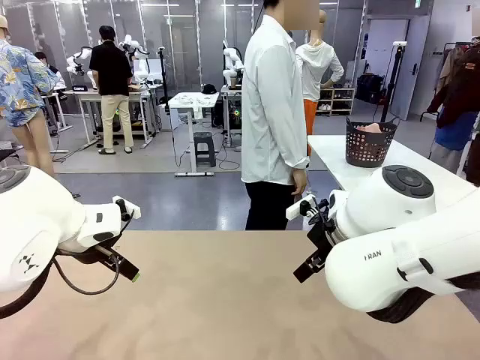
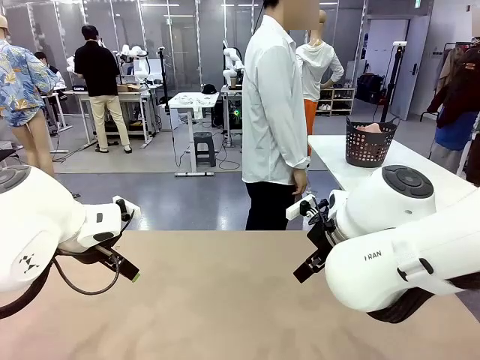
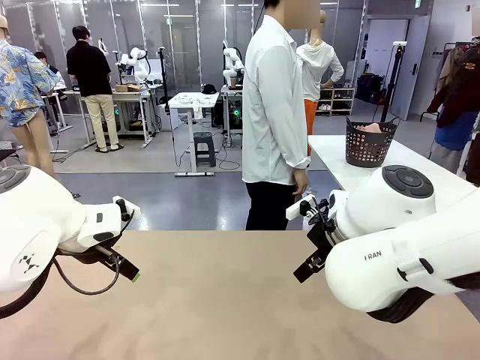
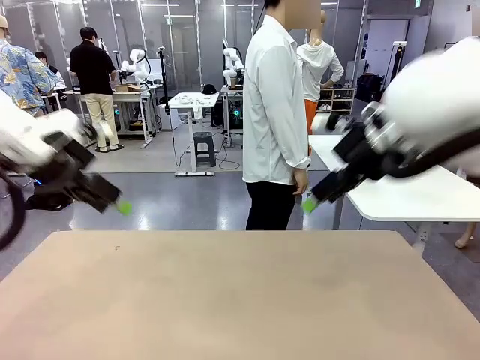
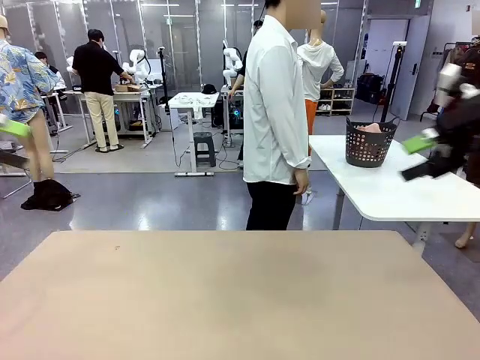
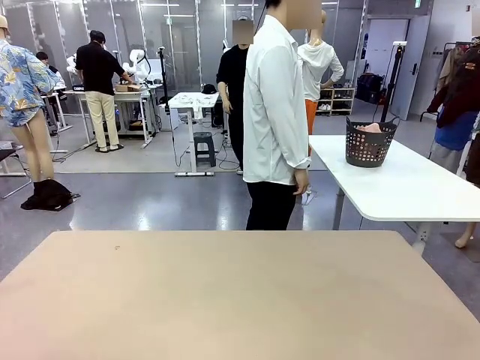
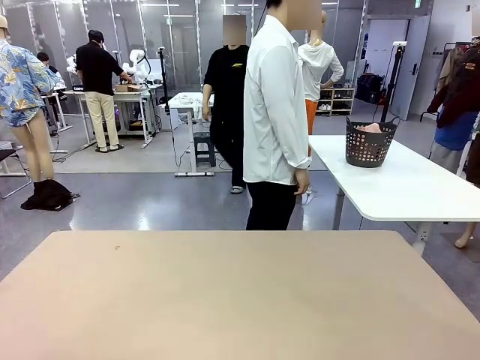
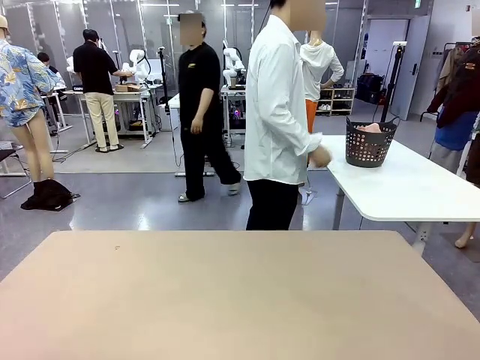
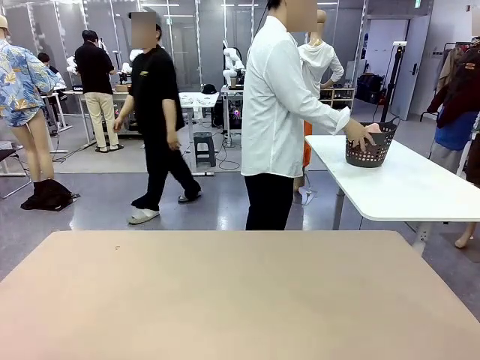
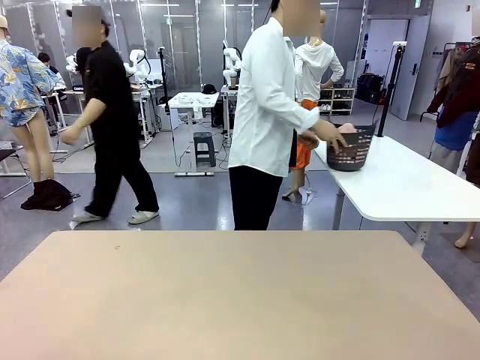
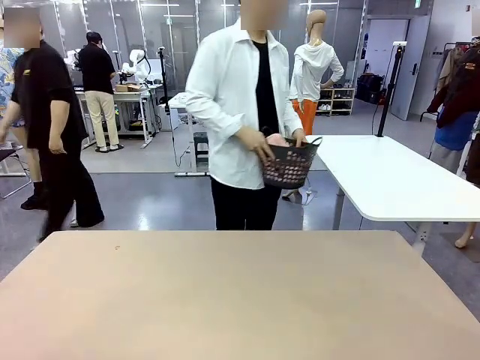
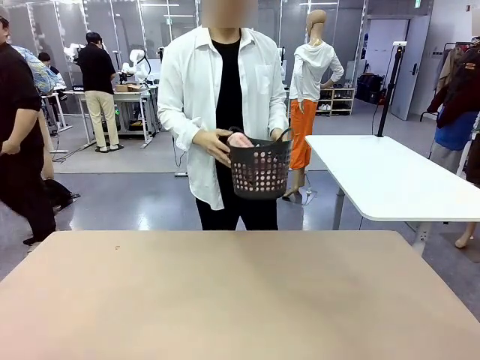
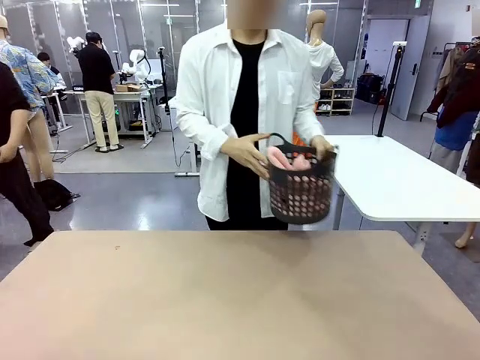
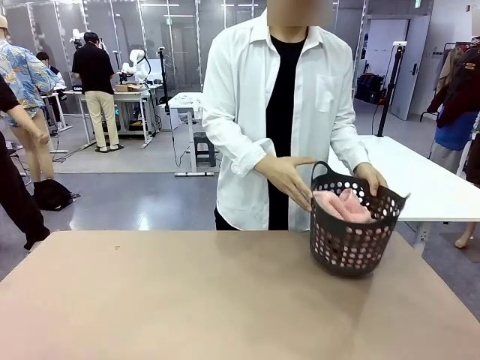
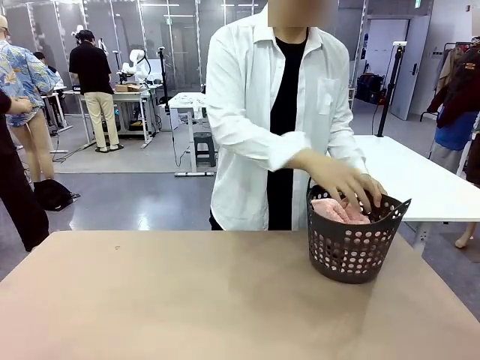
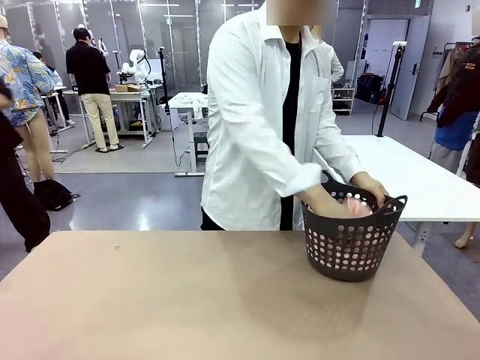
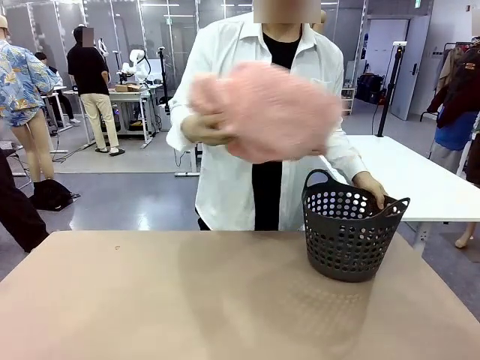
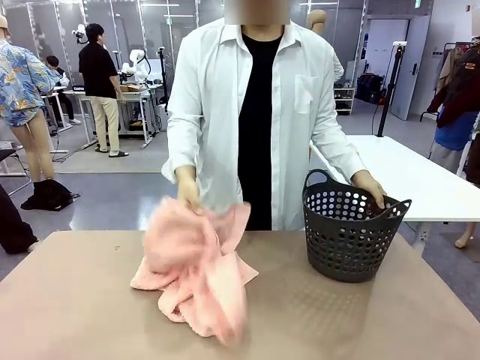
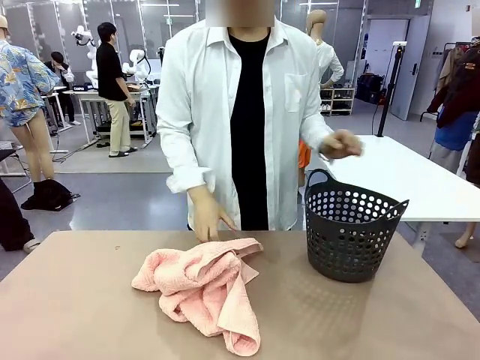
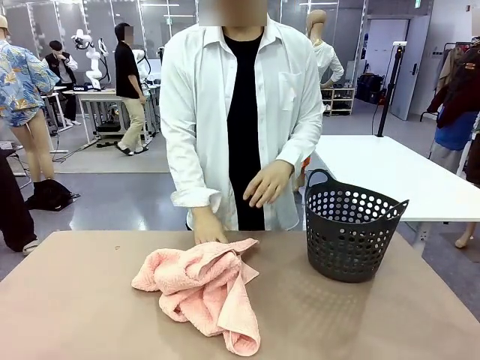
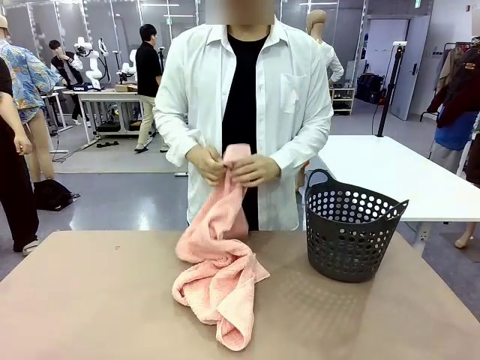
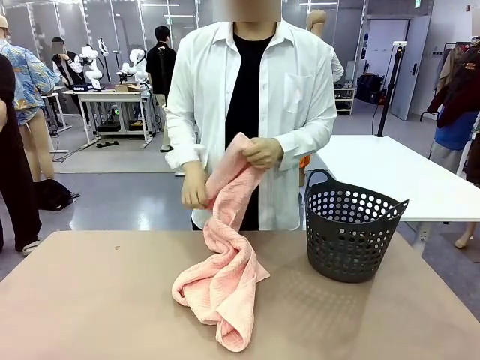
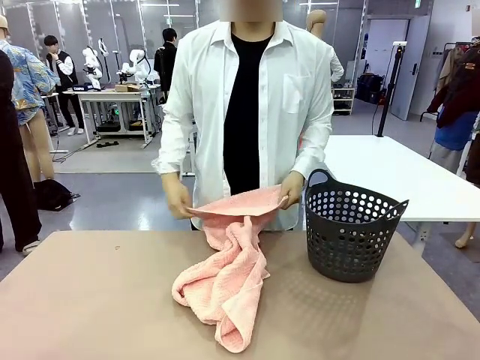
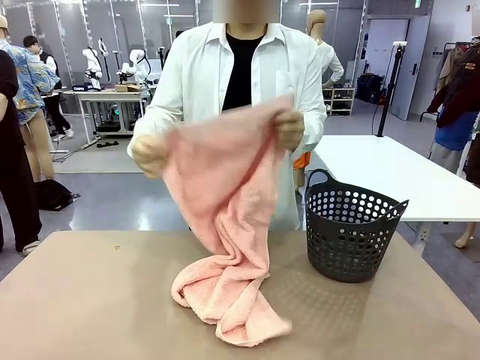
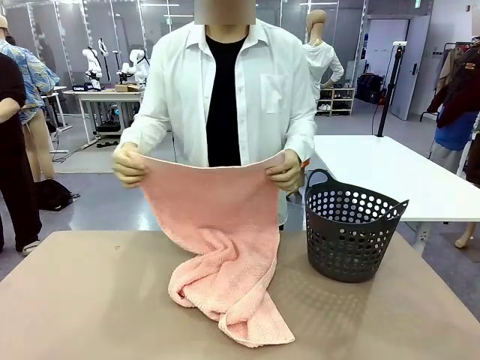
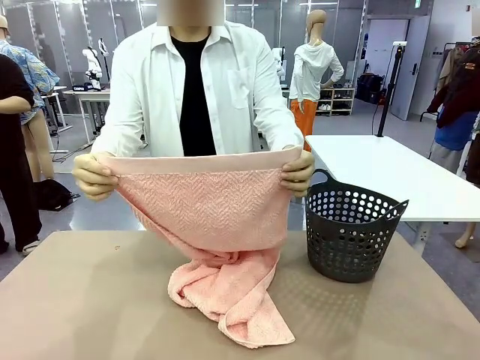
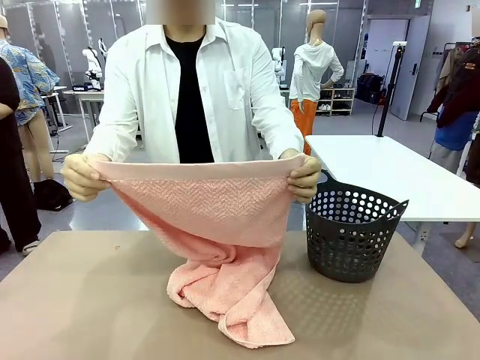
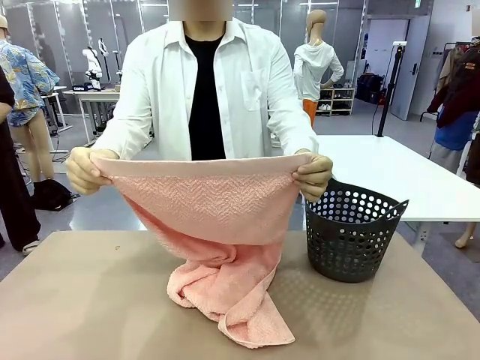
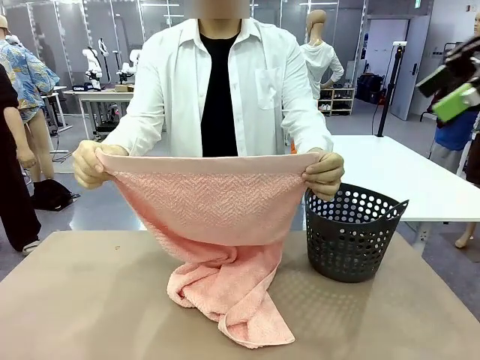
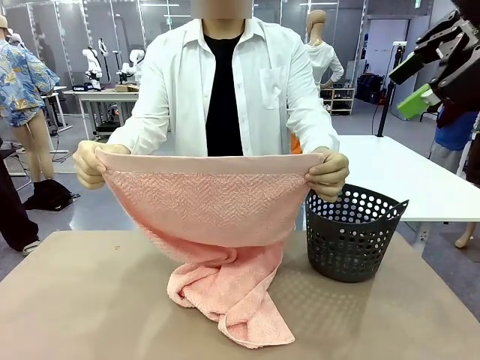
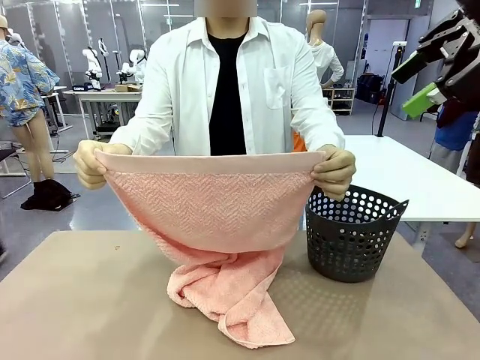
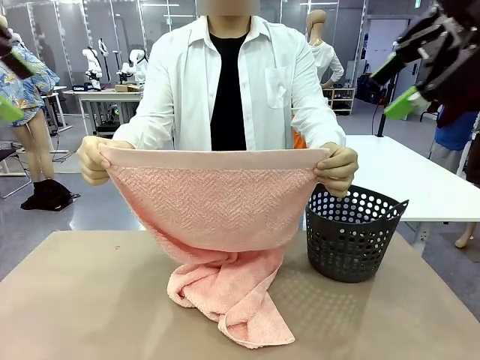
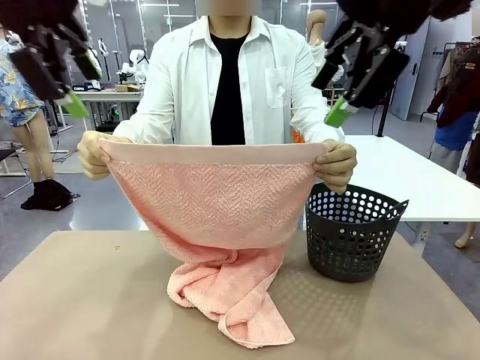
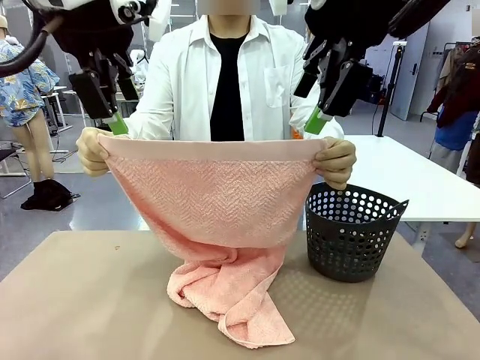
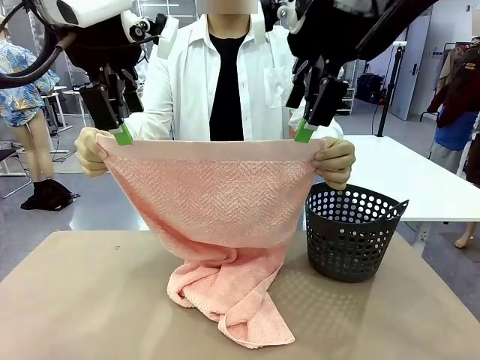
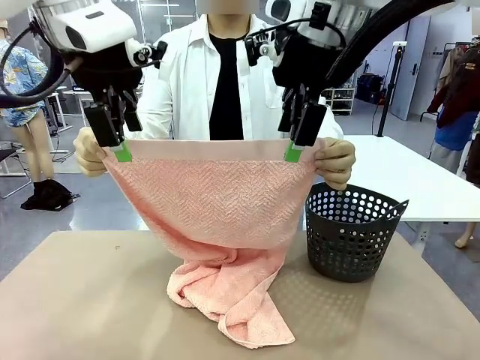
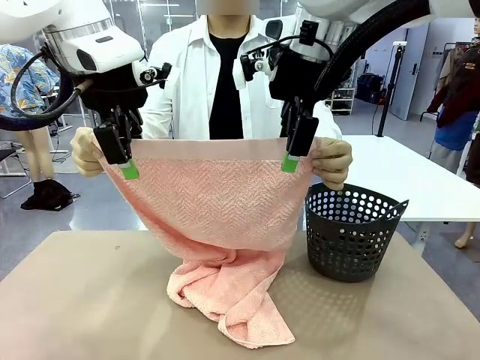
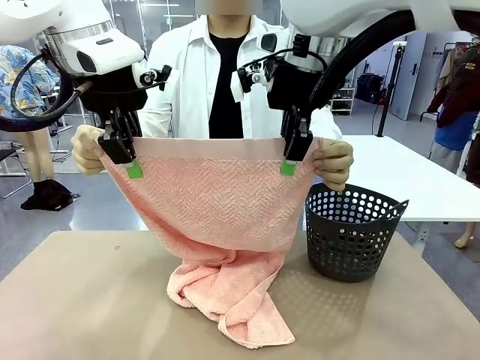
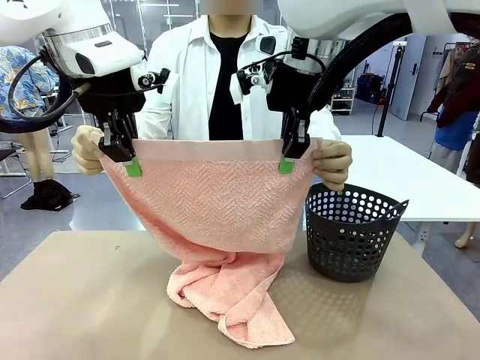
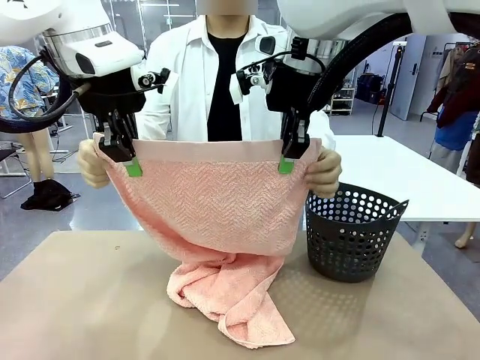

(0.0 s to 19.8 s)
Task: Fold the towel.
Robot: Grab the top end of the 100 cm Hotel Towel extended by the human.
Person: Pick up the laundry basket, place it on the left side of the robot table, then take out a towel and hand it to the robot while holding both corners of one end.

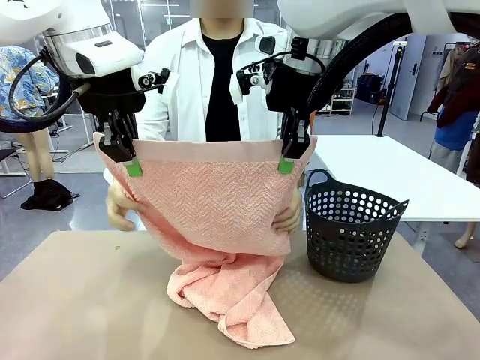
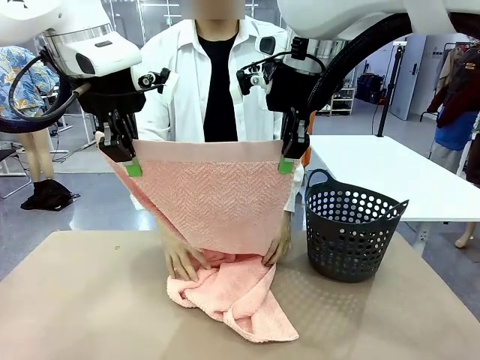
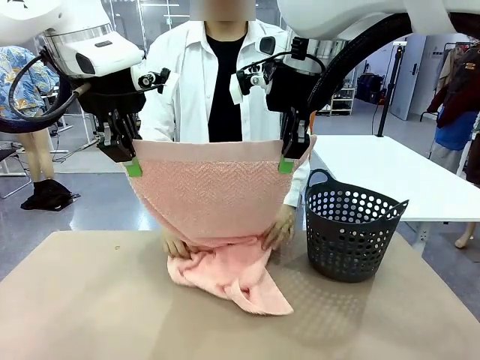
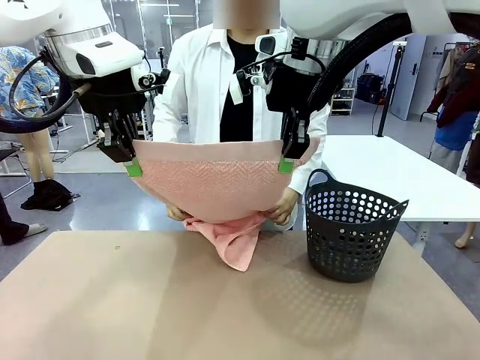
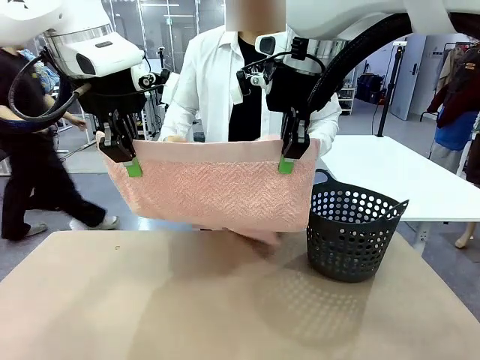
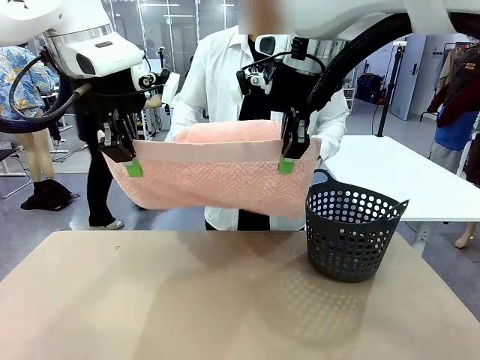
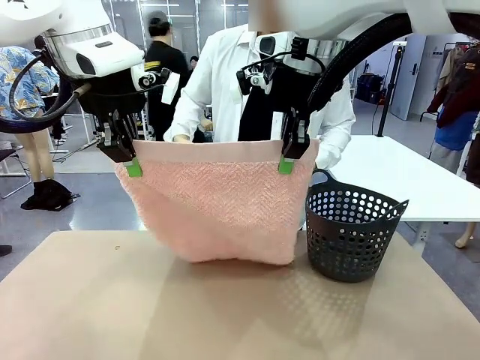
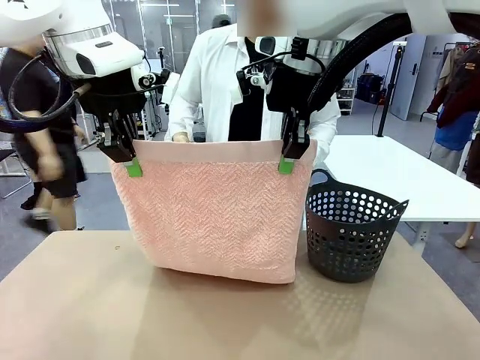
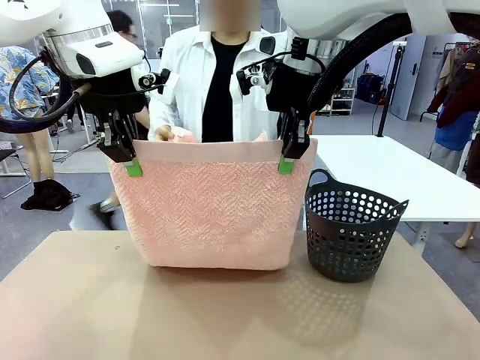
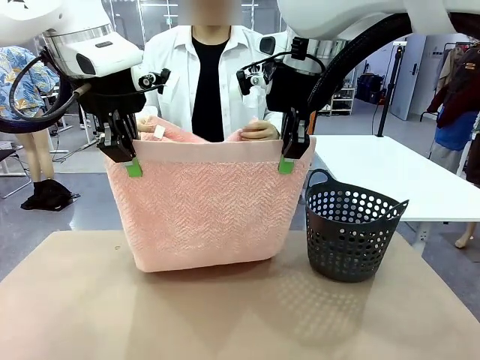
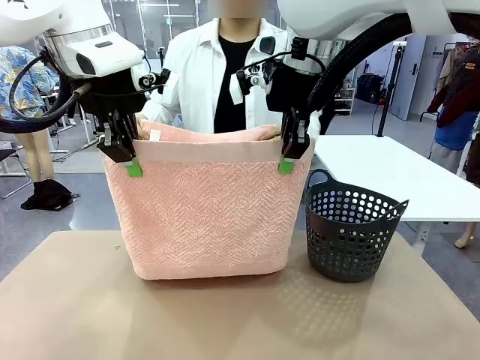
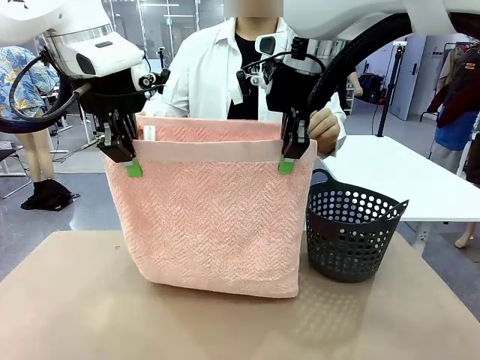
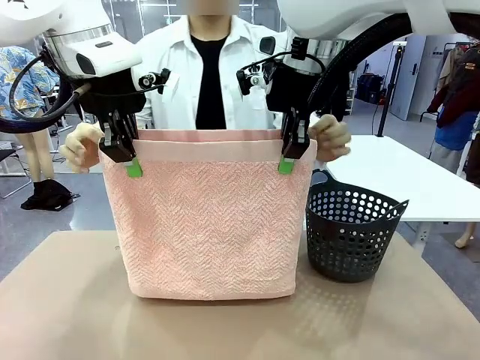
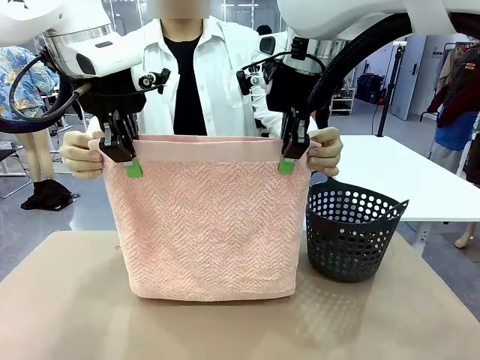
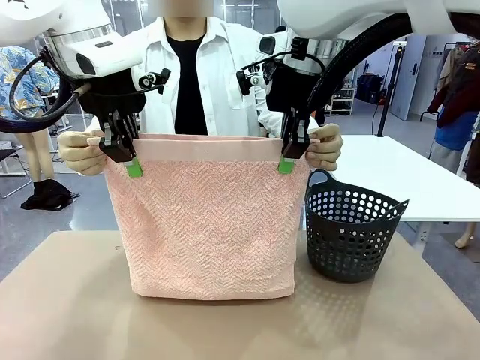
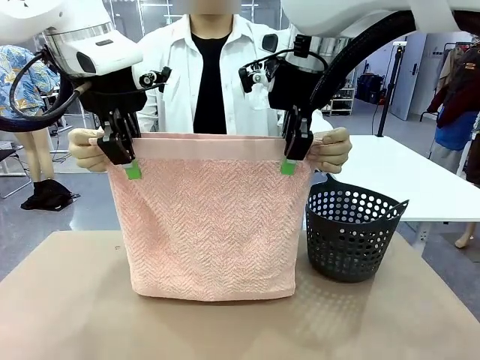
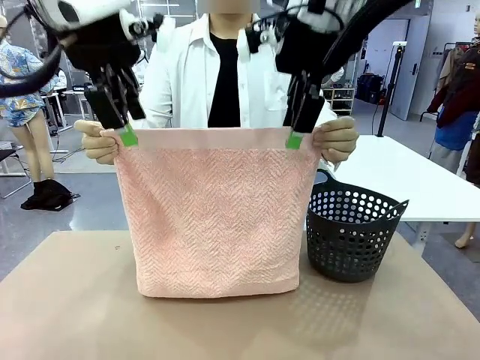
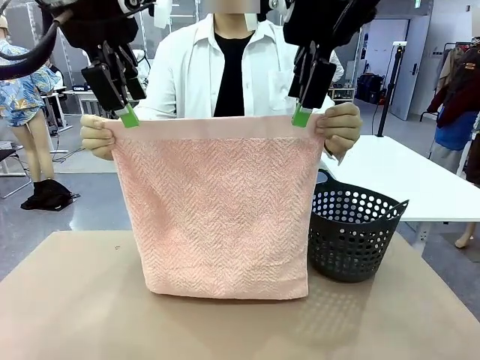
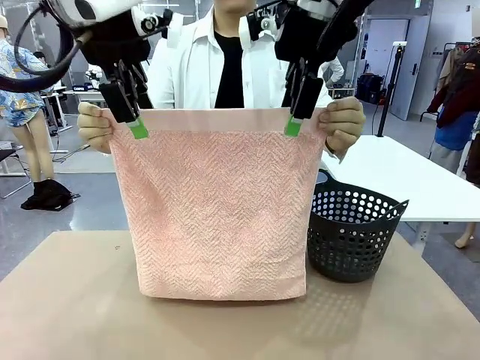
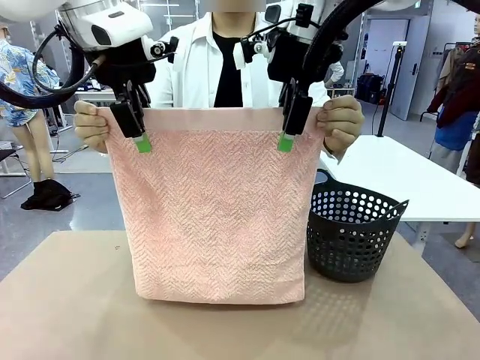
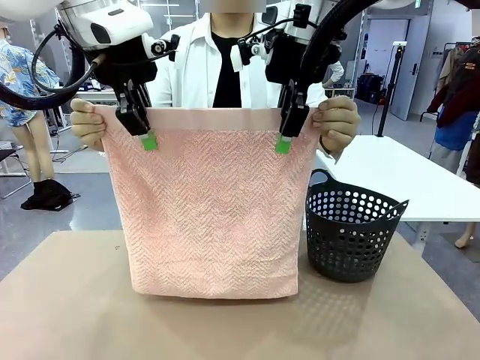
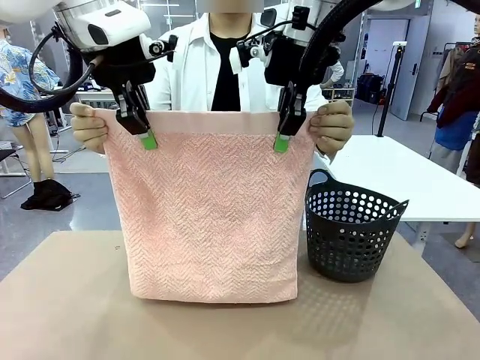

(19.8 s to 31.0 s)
Robot: Release the end of the 100 cm Hotel Towel you were holding and grab the top end of the folded side.
